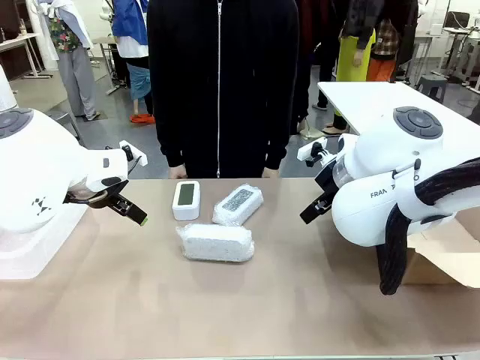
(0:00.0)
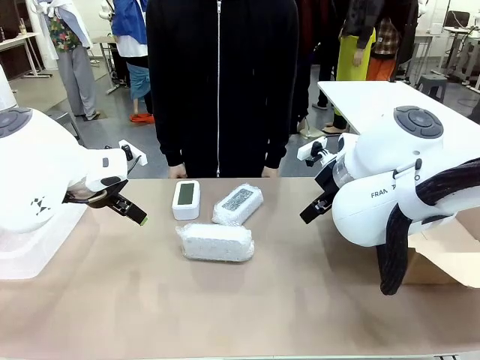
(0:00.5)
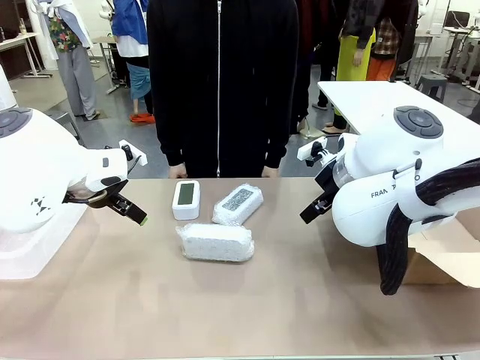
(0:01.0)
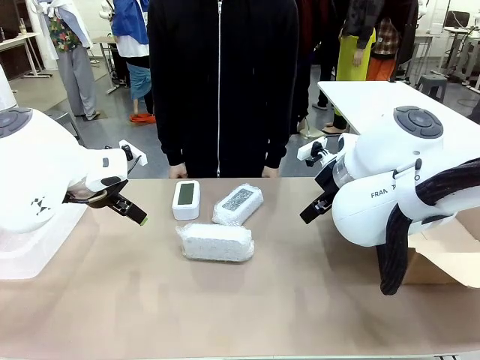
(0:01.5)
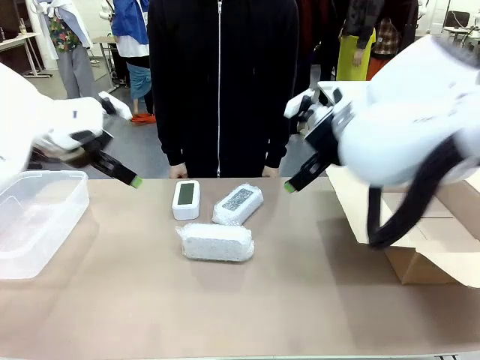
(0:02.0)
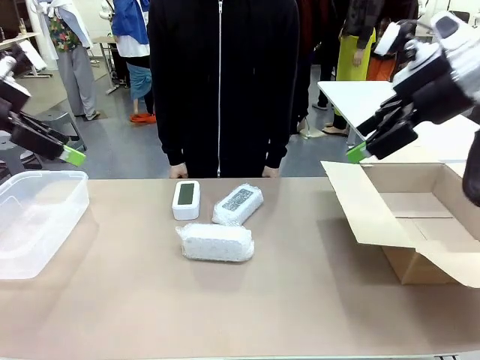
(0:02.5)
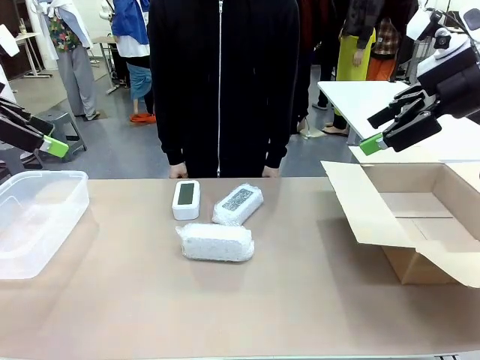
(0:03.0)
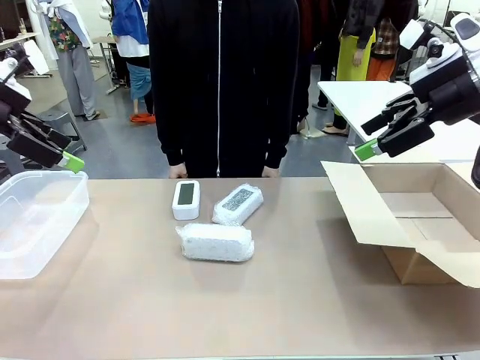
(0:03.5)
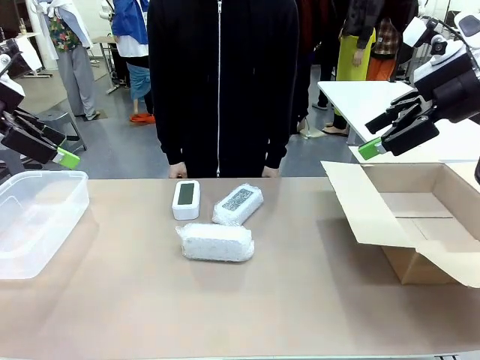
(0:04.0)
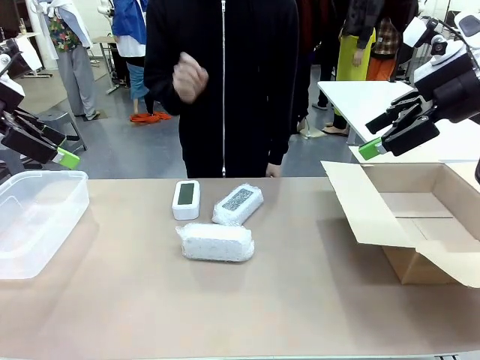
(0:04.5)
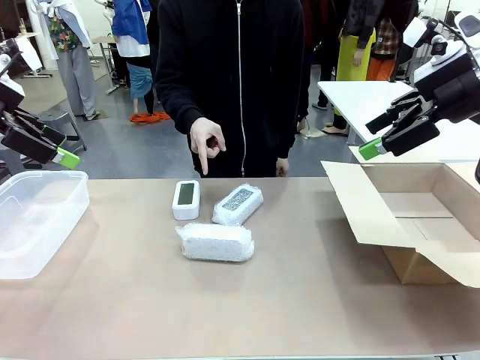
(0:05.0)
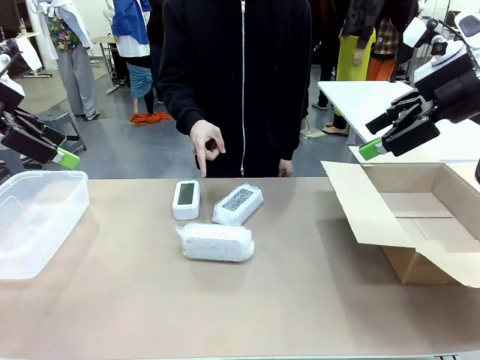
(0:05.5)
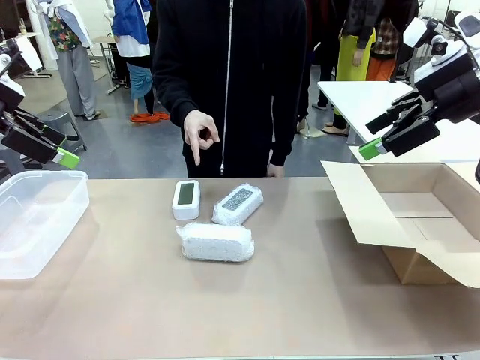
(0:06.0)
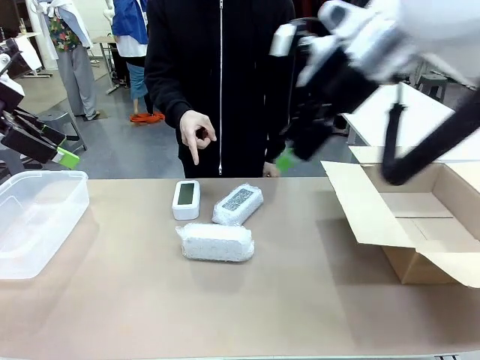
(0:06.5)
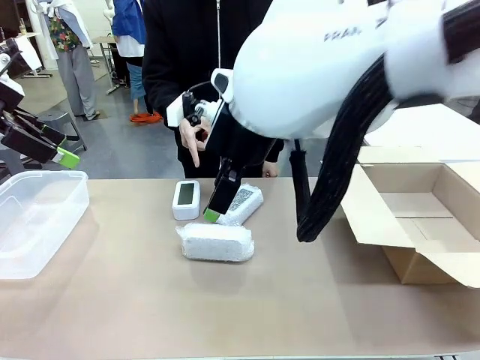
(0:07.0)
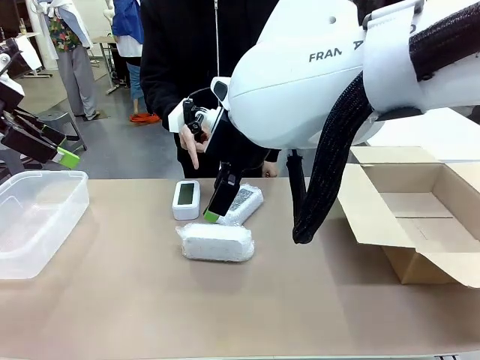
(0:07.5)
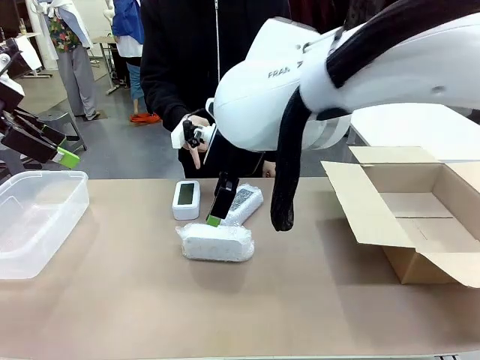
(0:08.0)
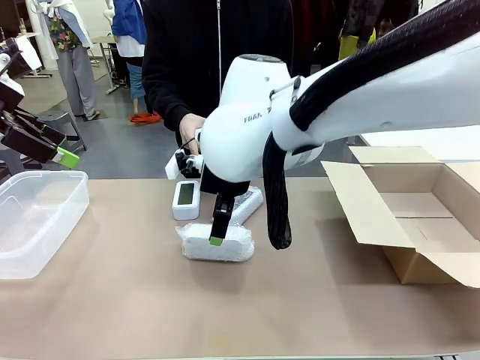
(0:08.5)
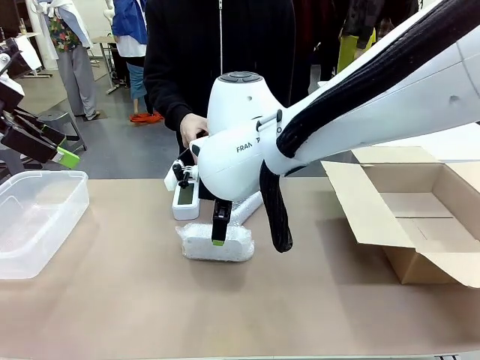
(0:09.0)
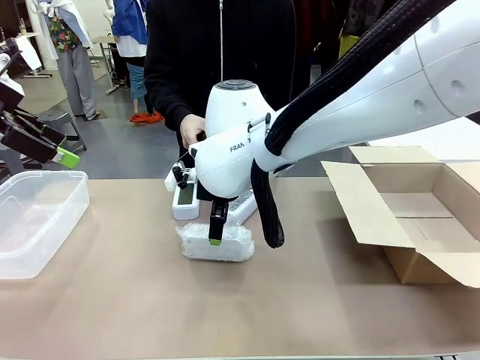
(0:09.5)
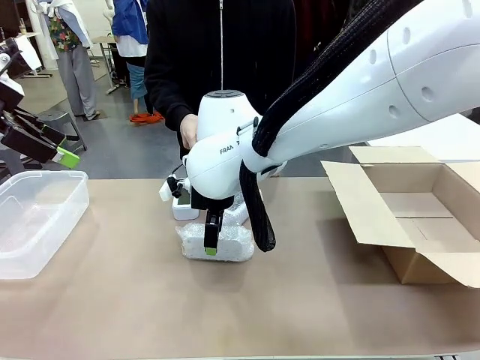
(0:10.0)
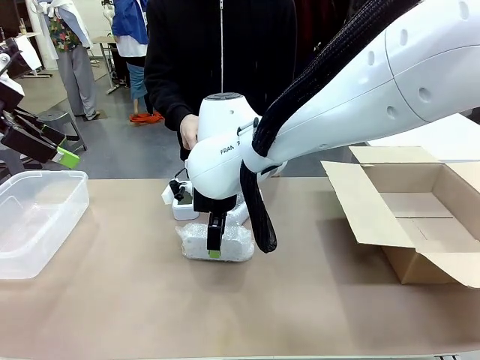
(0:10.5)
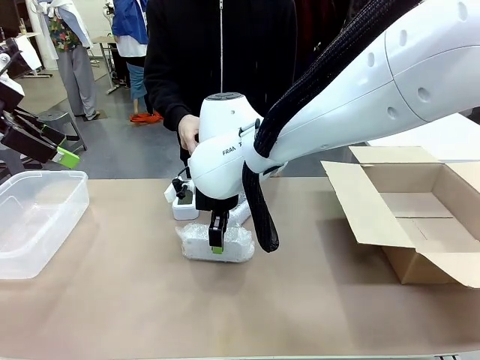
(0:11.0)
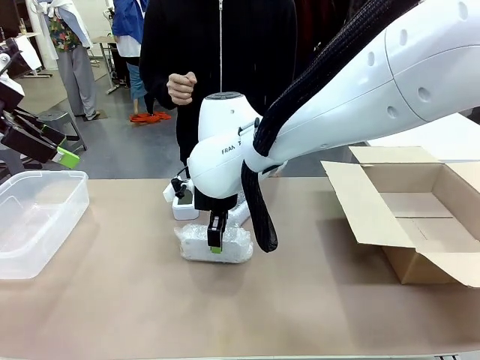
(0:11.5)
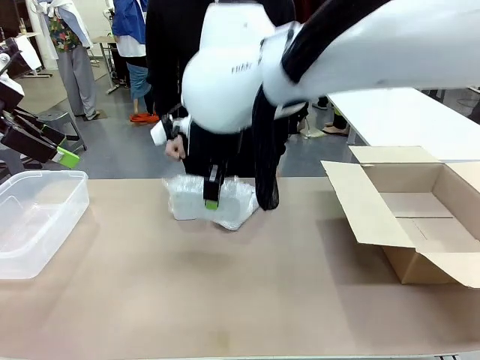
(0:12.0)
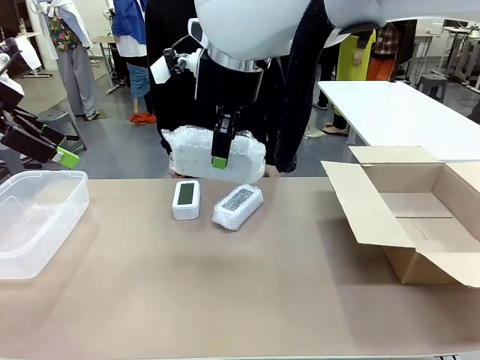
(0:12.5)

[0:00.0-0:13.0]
Task: Separate and place wrapped and unwrapped clocks.
Robot: Pick up the Digital clock indicated by the person.

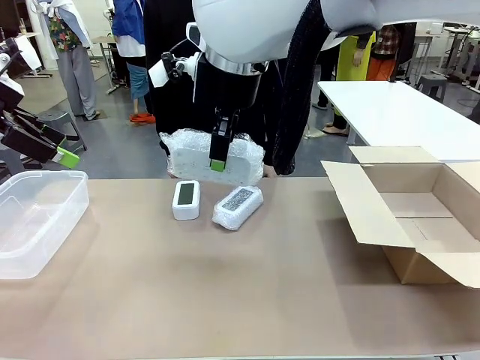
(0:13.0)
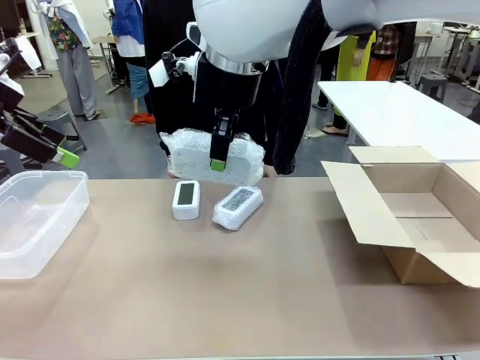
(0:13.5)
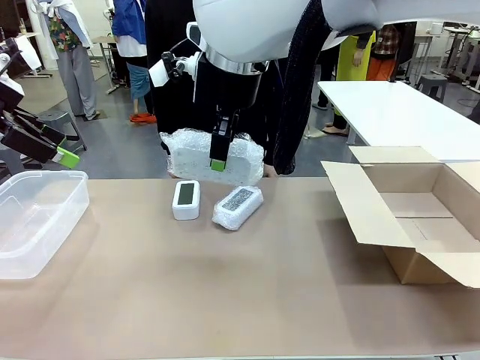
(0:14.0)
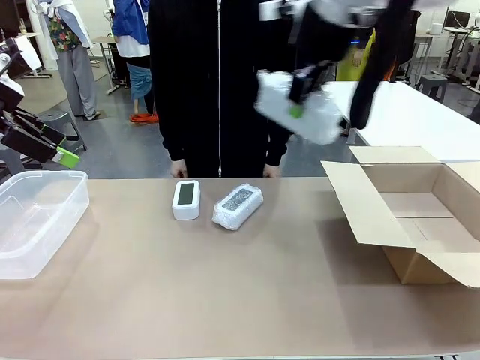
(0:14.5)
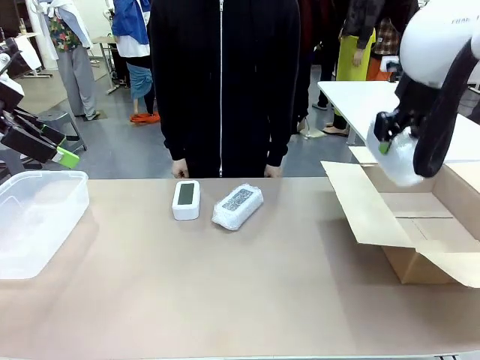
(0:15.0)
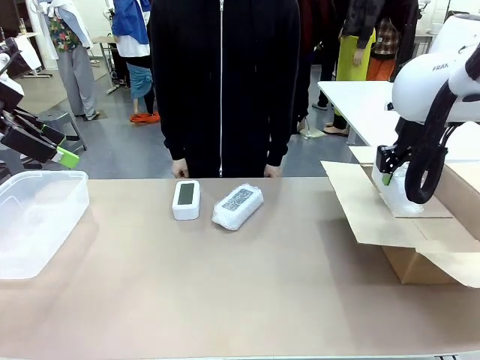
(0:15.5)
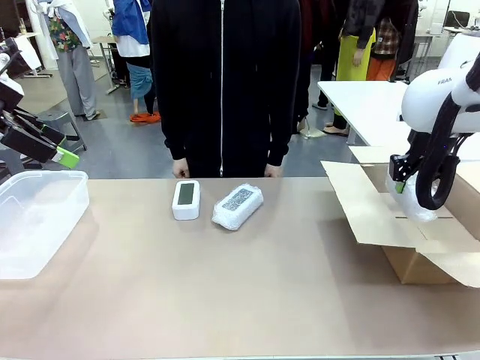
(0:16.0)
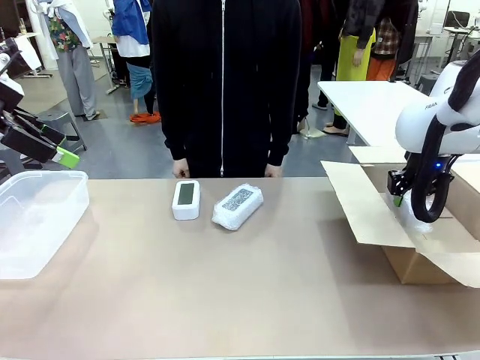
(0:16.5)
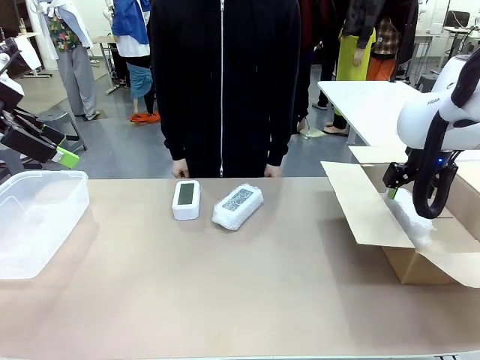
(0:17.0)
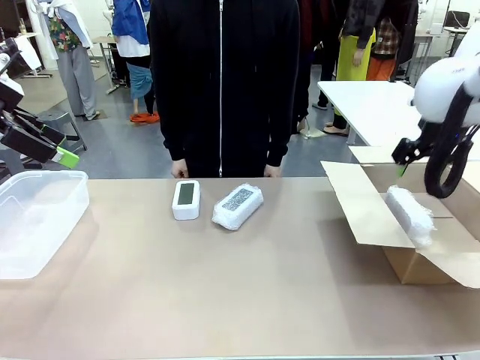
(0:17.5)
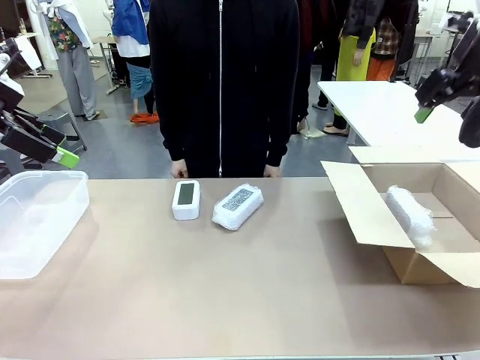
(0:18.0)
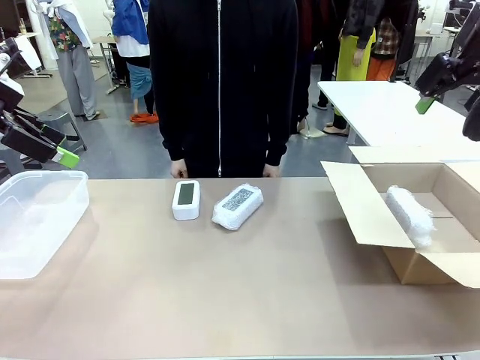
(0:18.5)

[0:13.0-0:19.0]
Robot: If the picked Digital clock is wrapped, place it in the Package Box ; if not, place it in the Organizing box.

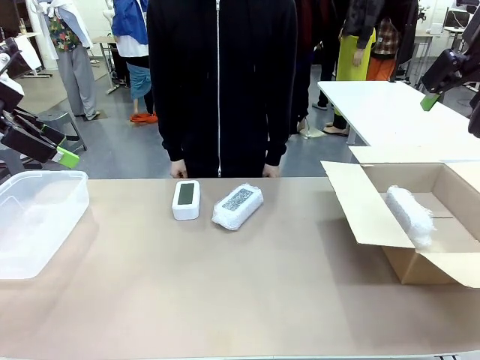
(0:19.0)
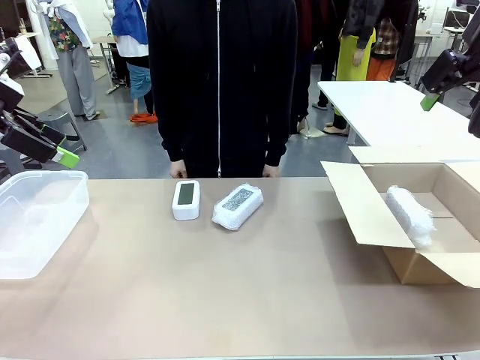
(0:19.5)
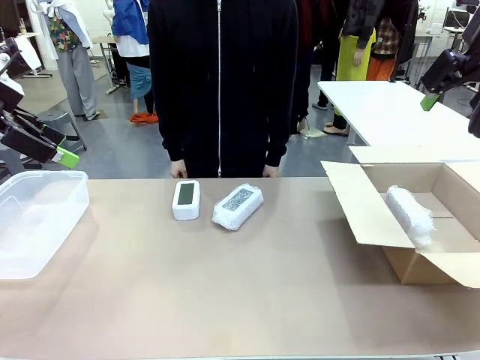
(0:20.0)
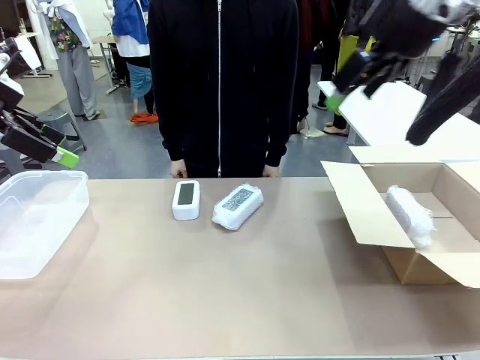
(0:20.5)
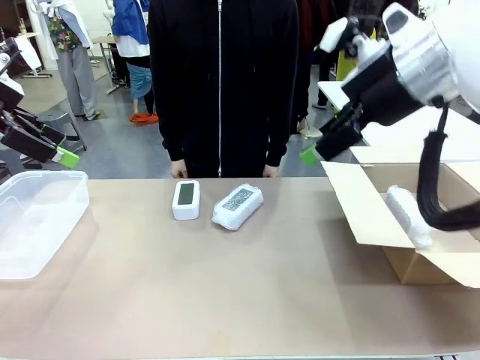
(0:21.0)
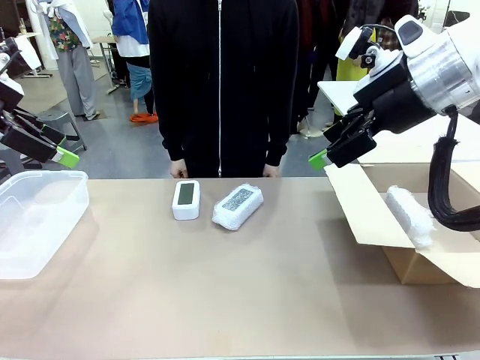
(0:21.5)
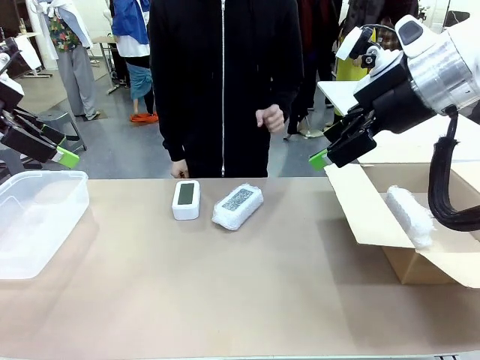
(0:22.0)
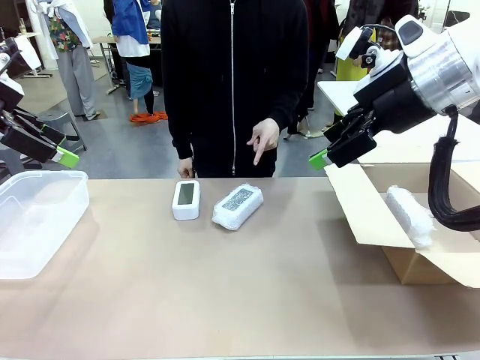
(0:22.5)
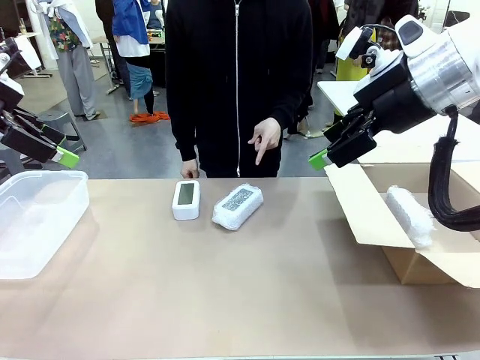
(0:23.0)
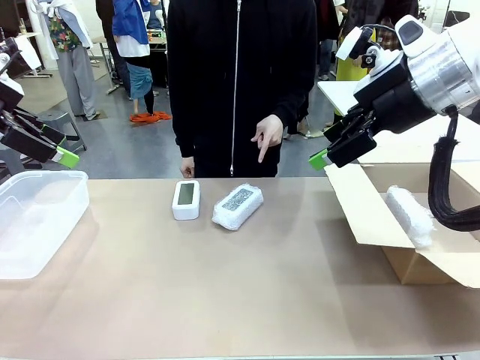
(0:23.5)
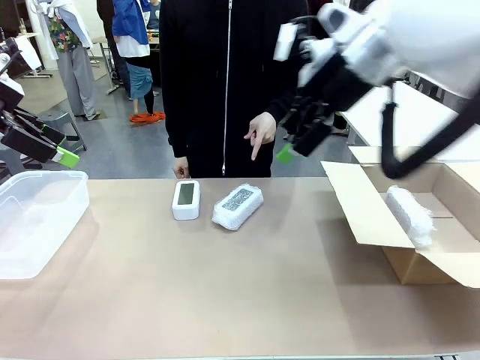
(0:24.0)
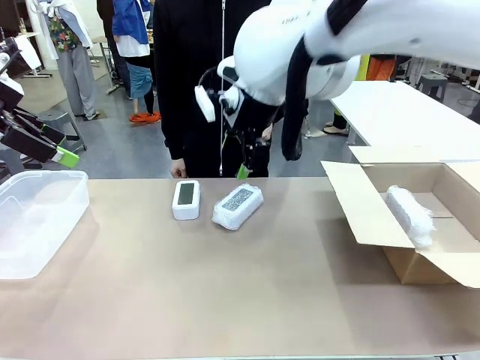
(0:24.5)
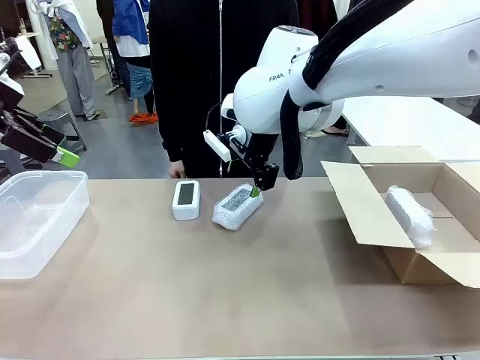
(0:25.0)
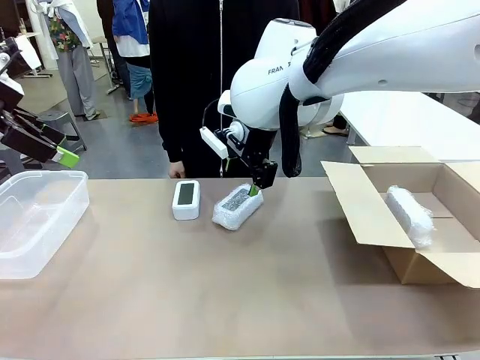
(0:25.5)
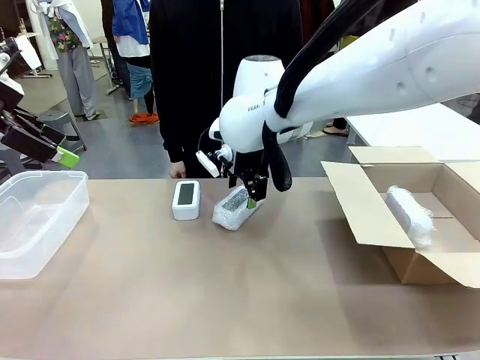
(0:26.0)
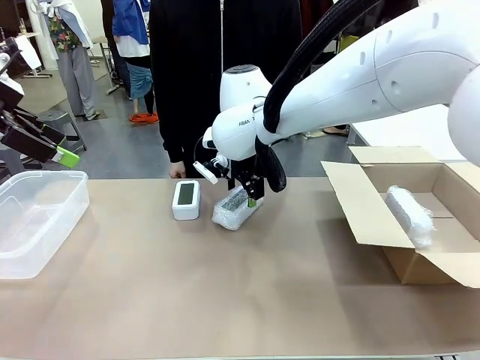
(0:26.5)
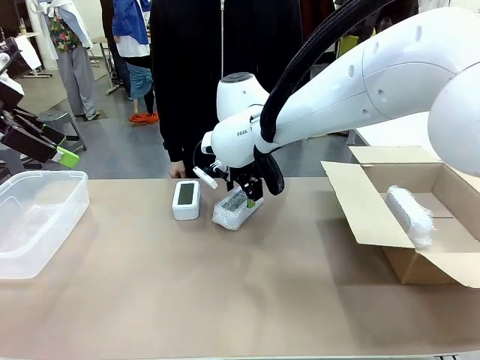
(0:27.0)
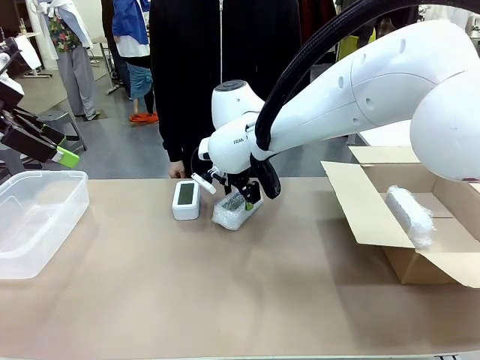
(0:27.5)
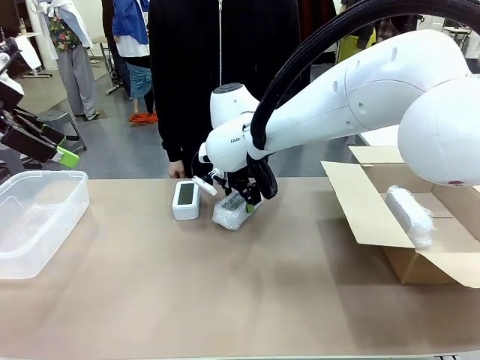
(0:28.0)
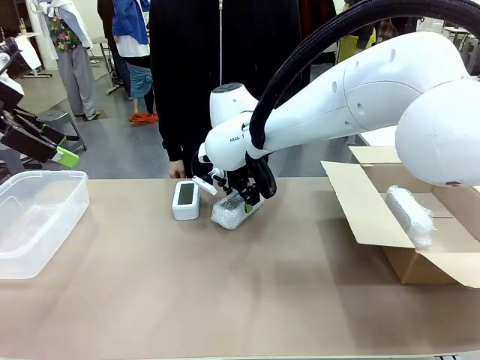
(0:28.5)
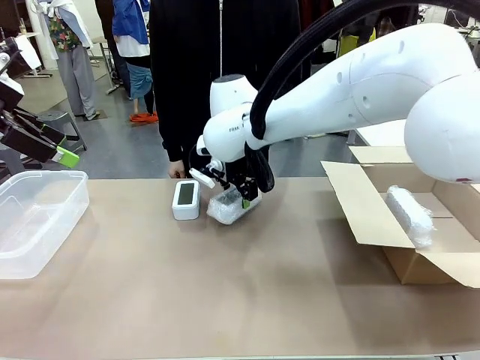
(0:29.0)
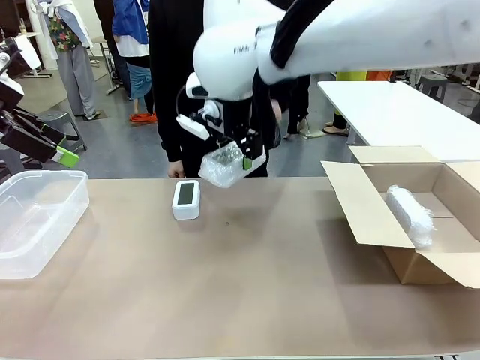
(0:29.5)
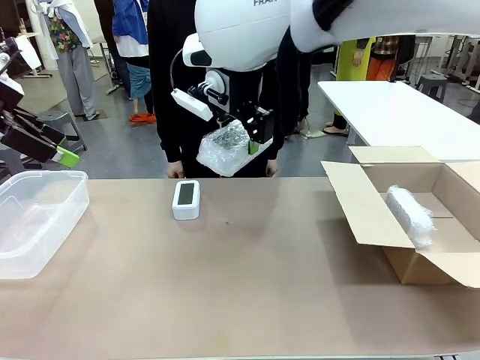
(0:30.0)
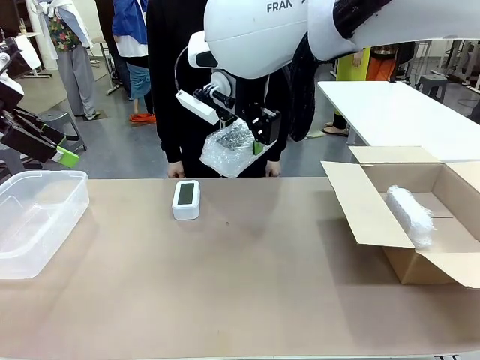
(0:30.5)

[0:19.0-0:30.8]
Robot: Pick up the Digital clock indicated by the person.
